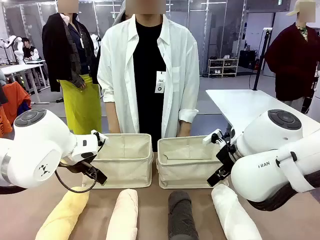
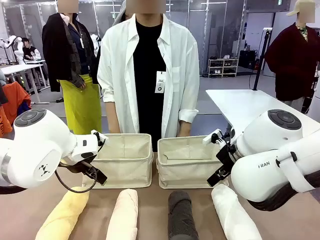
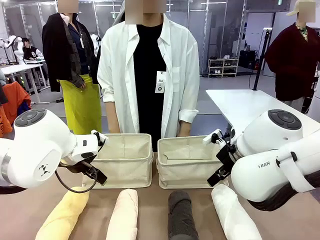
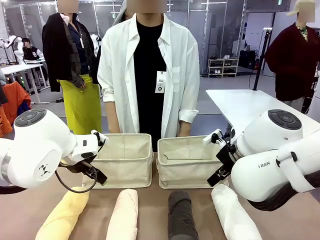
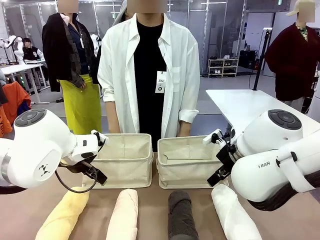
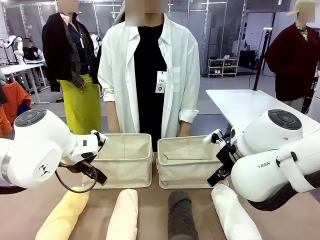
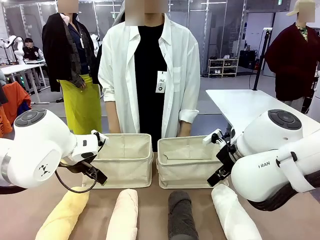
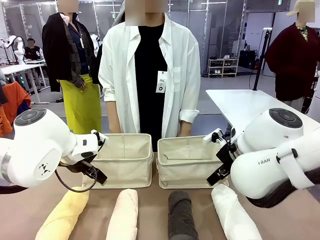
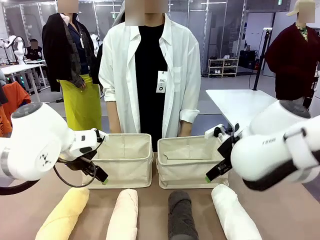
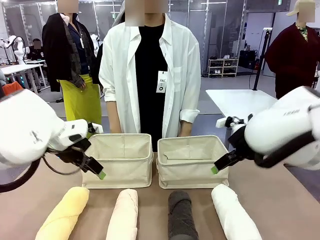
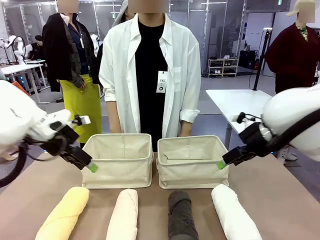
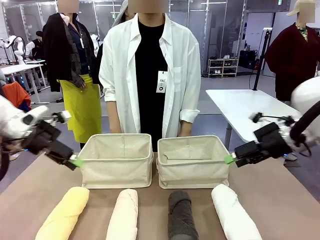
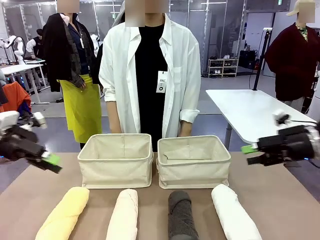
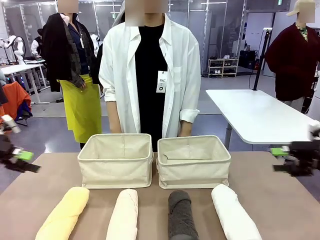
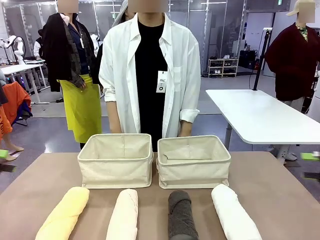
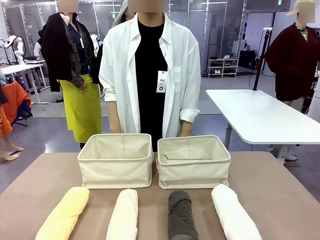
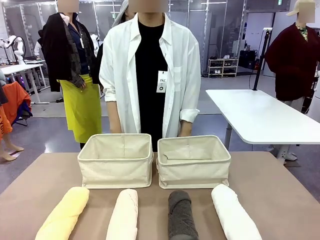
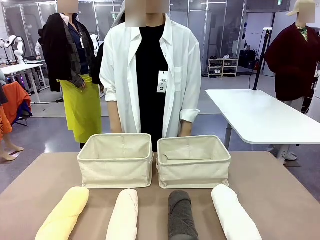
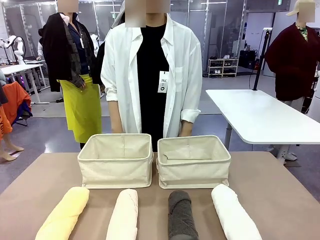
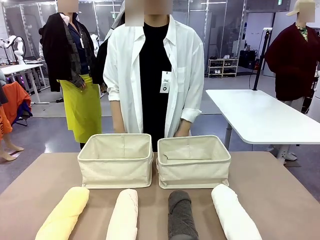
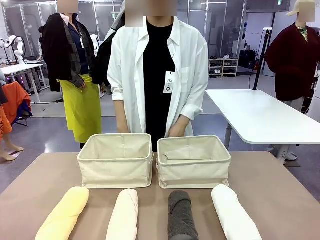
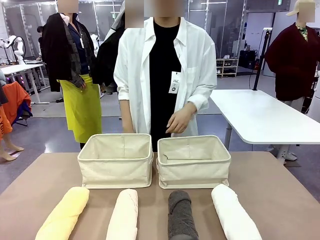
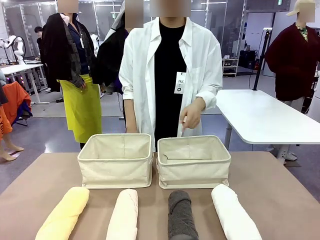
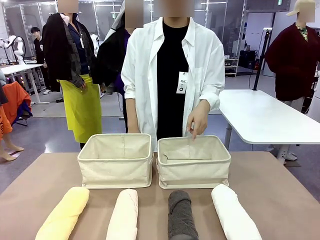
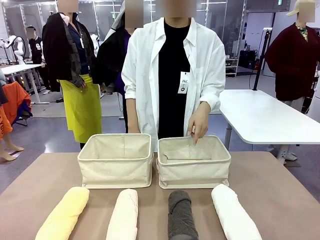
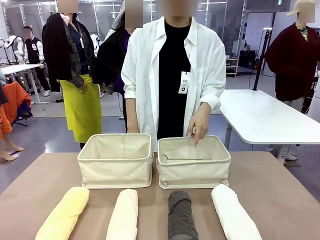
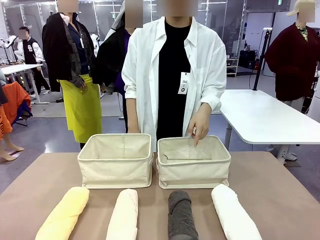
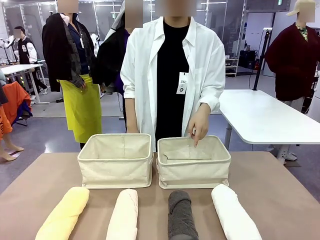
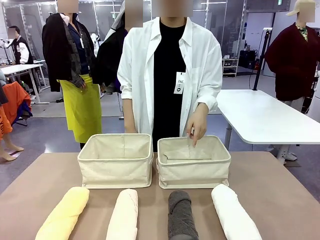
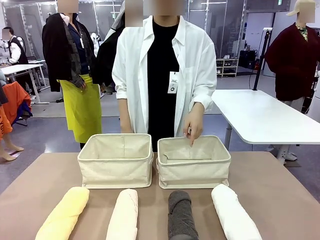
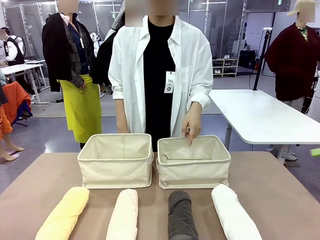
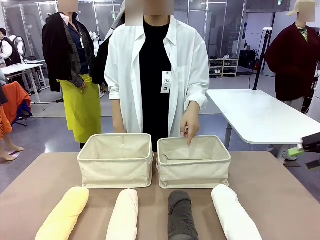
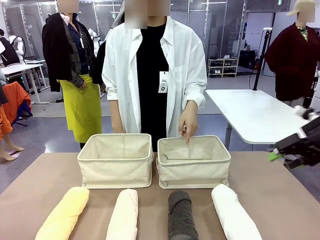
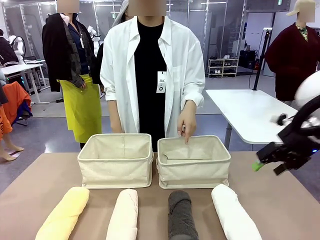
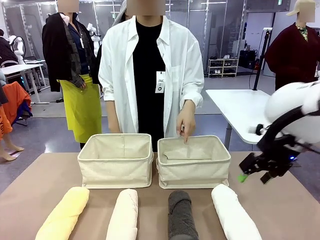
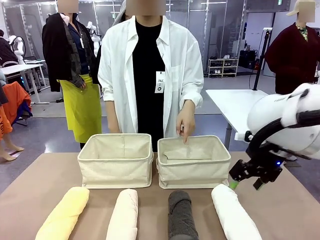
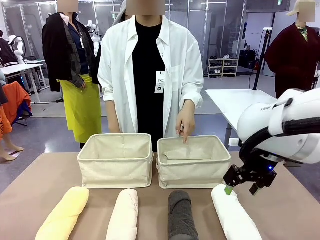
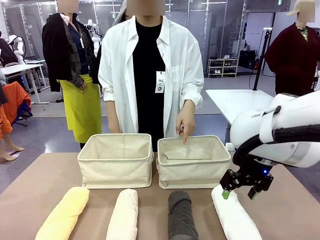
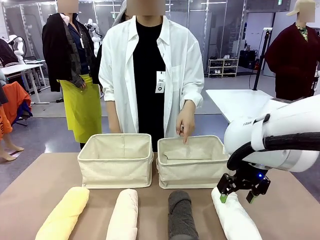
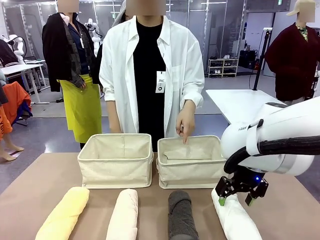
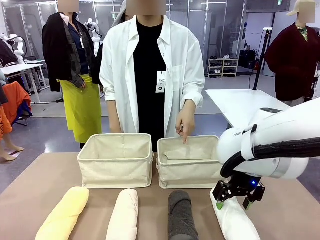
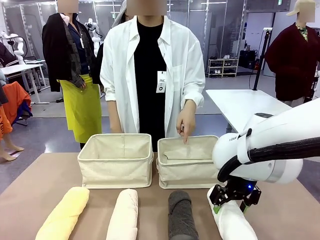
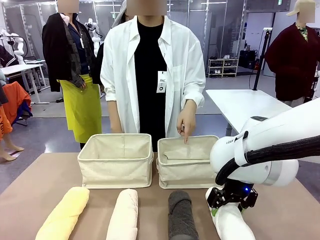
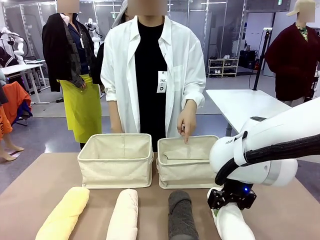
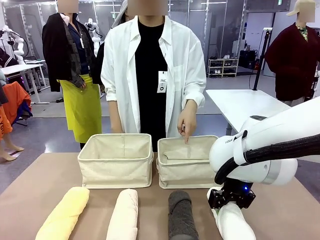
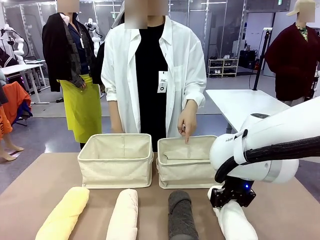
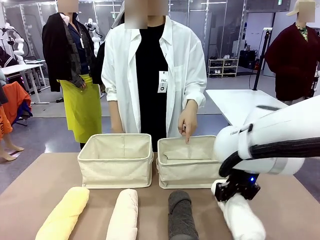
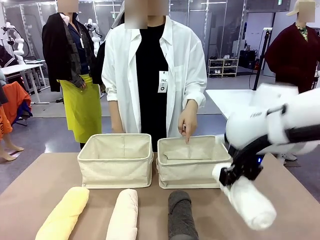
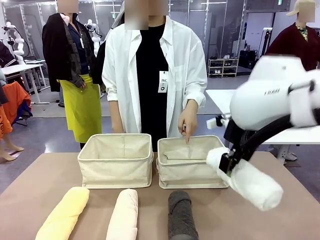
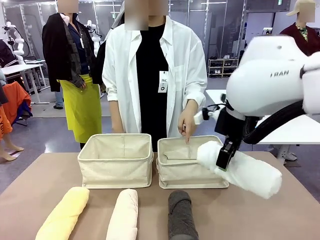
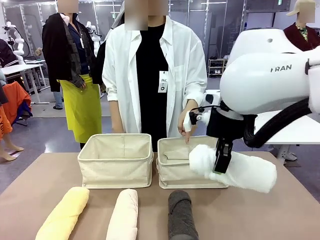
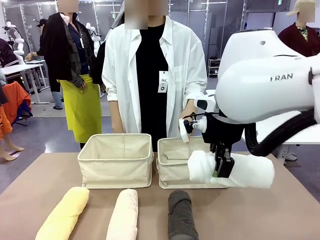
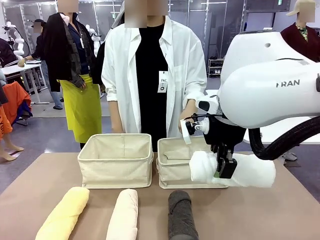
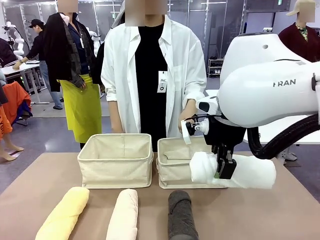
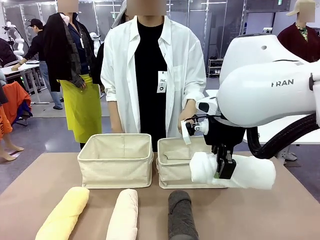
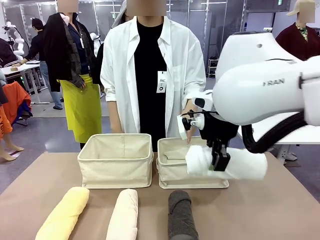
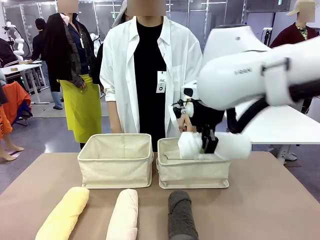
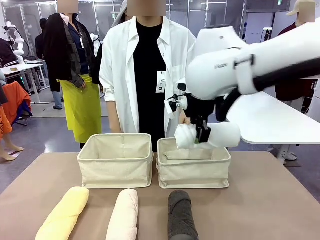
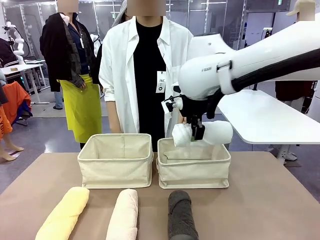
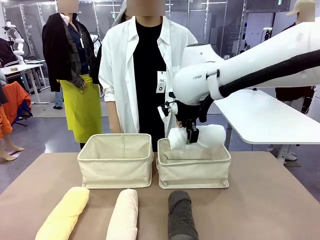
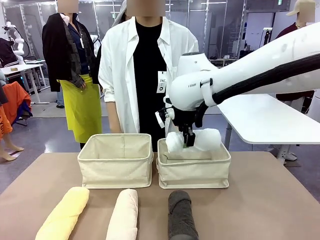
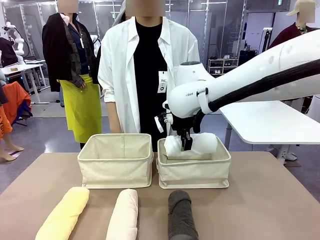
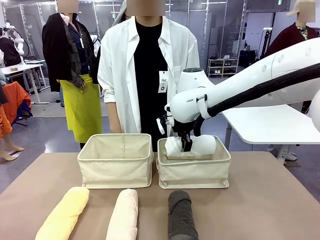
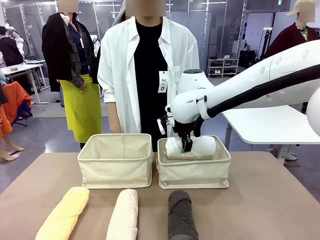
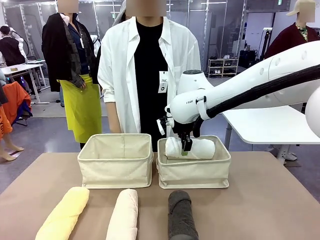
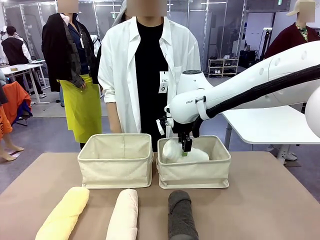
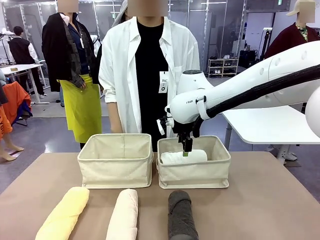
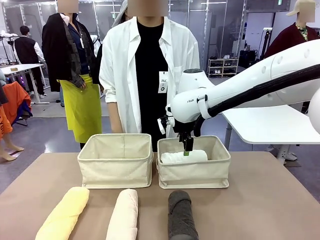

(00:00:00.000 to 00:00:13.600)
Task: Divide the towels into two baskets.
Robot: Pick up one hotel-folded towel and place it in the Fabric basket indicated by the person.
